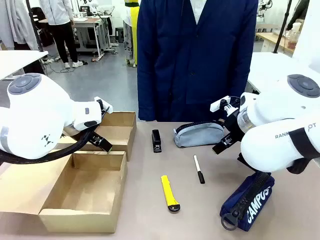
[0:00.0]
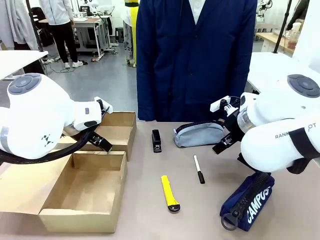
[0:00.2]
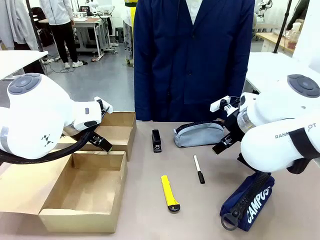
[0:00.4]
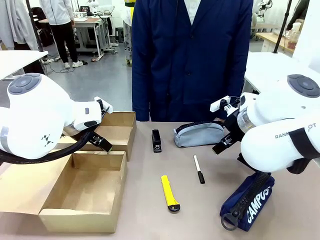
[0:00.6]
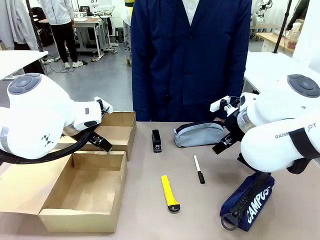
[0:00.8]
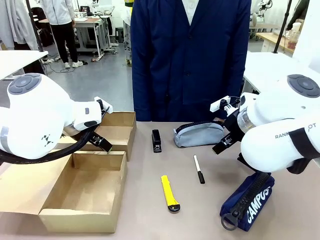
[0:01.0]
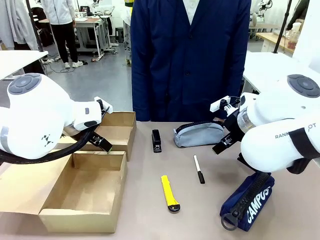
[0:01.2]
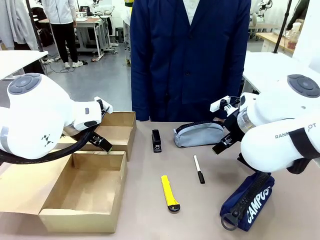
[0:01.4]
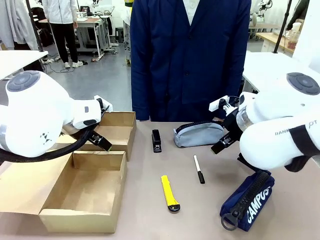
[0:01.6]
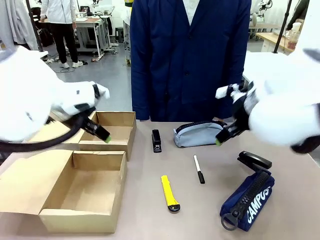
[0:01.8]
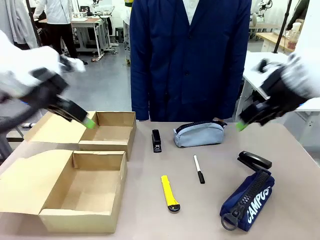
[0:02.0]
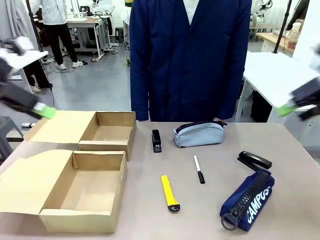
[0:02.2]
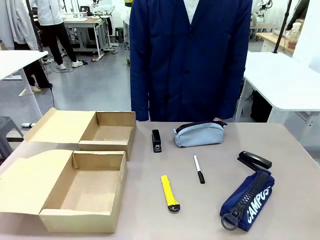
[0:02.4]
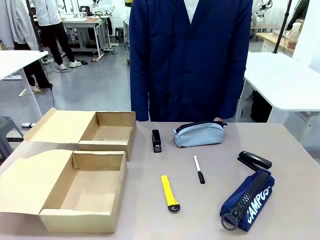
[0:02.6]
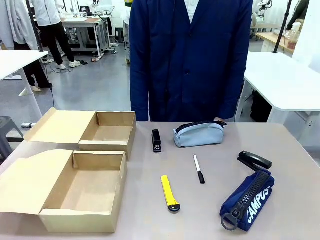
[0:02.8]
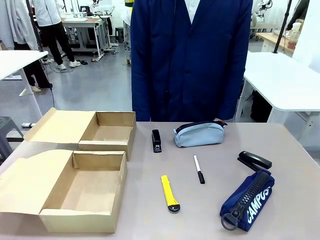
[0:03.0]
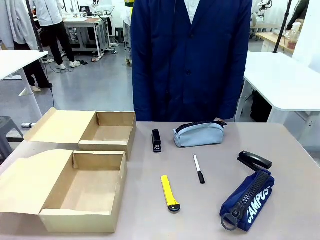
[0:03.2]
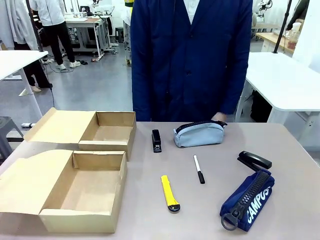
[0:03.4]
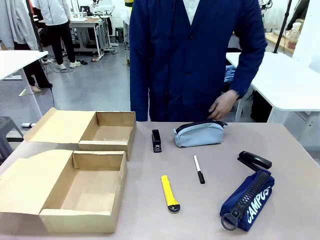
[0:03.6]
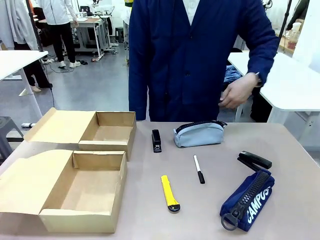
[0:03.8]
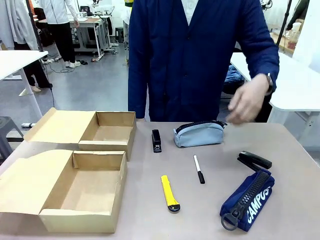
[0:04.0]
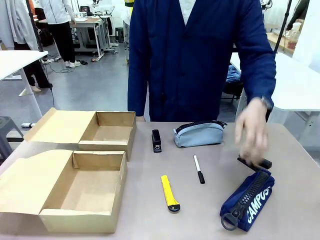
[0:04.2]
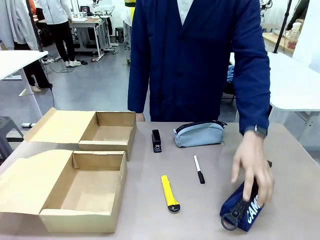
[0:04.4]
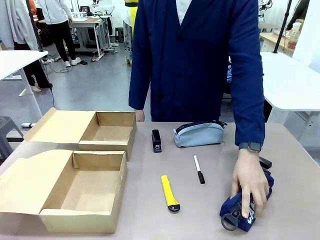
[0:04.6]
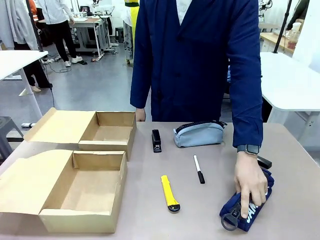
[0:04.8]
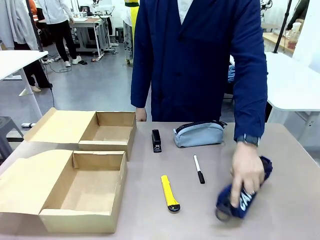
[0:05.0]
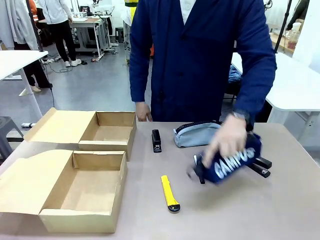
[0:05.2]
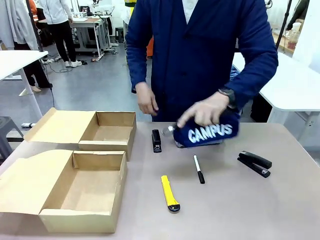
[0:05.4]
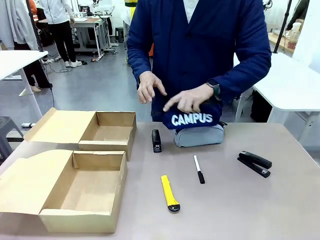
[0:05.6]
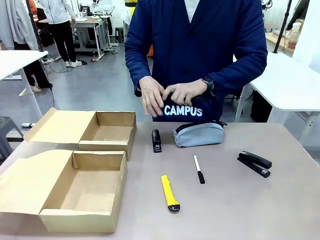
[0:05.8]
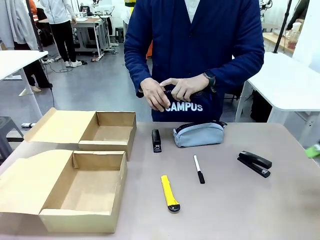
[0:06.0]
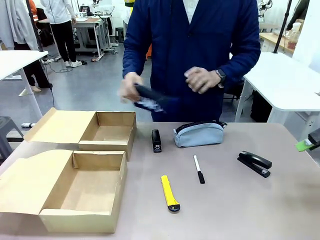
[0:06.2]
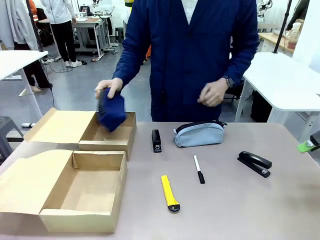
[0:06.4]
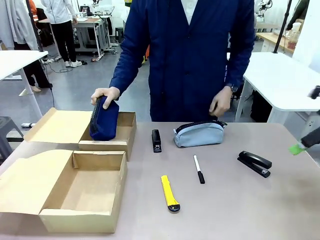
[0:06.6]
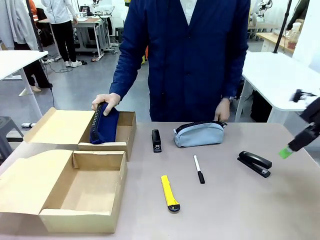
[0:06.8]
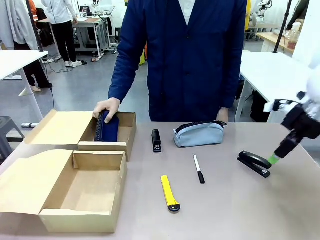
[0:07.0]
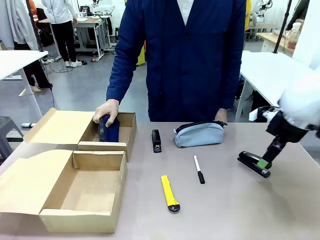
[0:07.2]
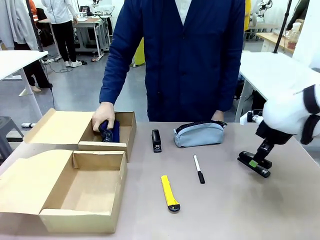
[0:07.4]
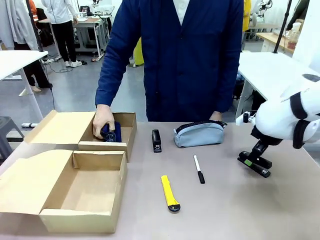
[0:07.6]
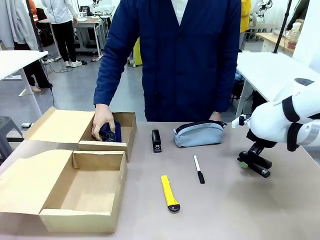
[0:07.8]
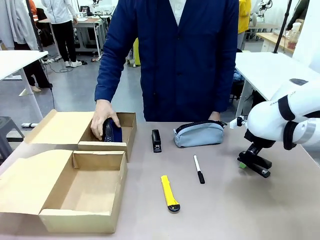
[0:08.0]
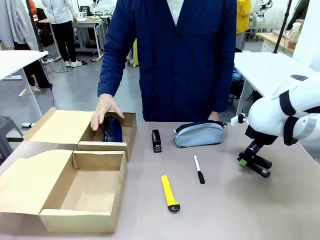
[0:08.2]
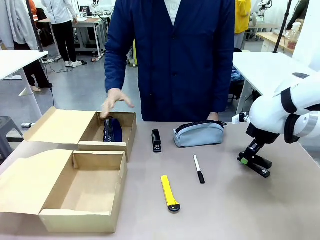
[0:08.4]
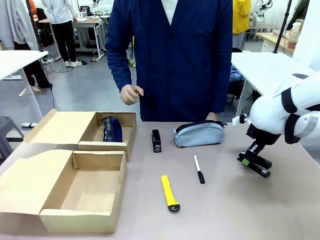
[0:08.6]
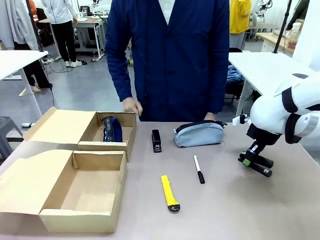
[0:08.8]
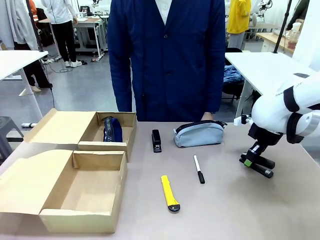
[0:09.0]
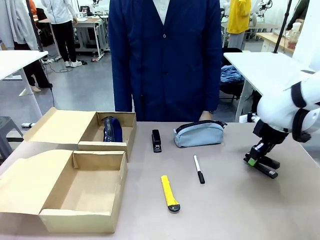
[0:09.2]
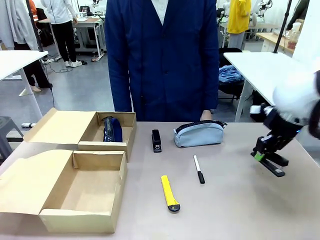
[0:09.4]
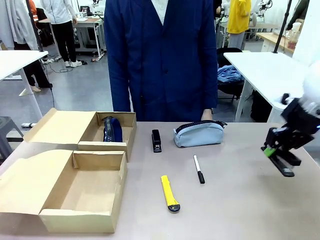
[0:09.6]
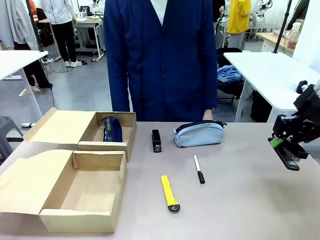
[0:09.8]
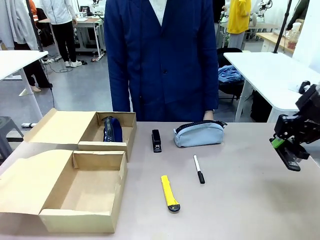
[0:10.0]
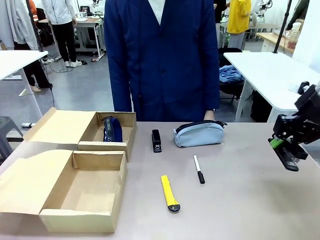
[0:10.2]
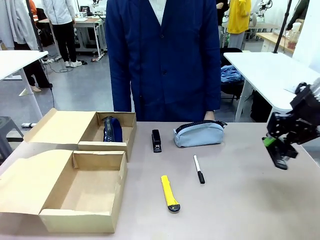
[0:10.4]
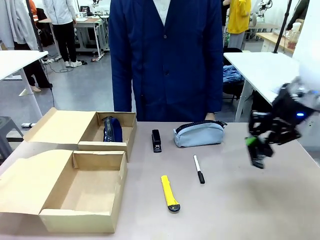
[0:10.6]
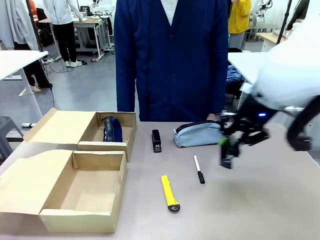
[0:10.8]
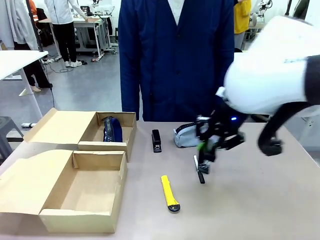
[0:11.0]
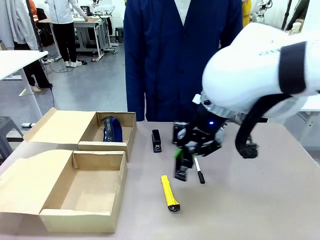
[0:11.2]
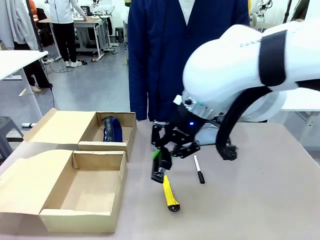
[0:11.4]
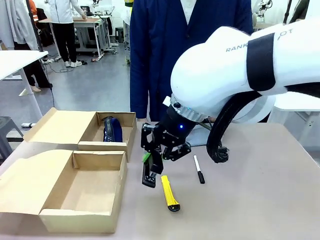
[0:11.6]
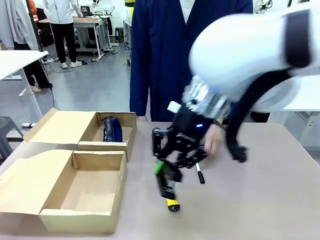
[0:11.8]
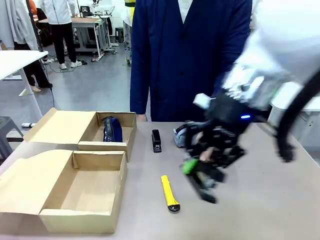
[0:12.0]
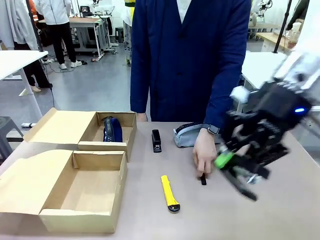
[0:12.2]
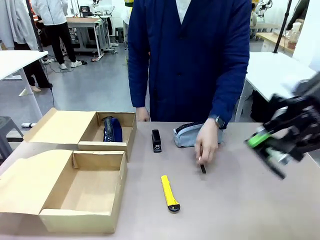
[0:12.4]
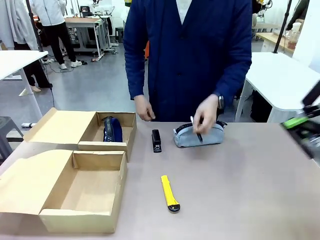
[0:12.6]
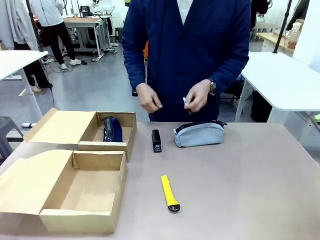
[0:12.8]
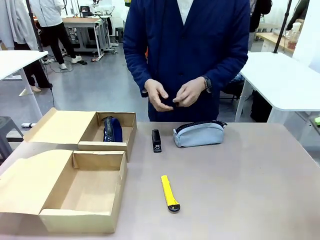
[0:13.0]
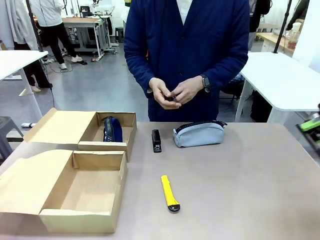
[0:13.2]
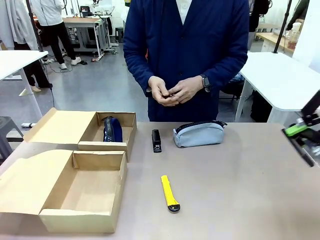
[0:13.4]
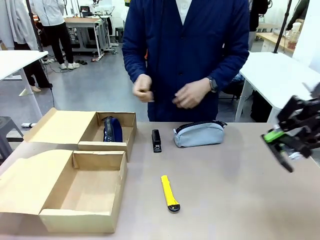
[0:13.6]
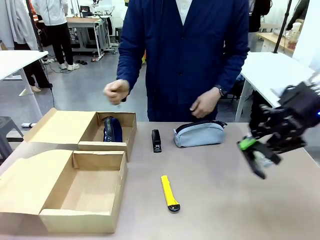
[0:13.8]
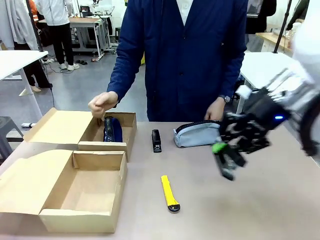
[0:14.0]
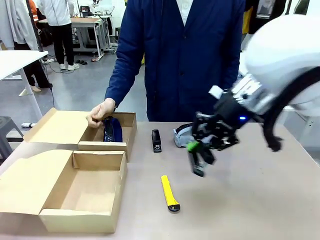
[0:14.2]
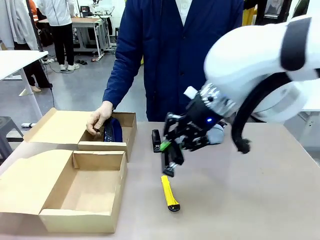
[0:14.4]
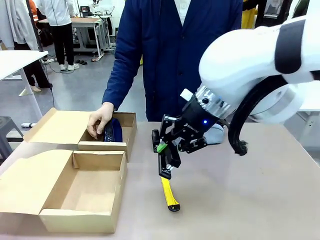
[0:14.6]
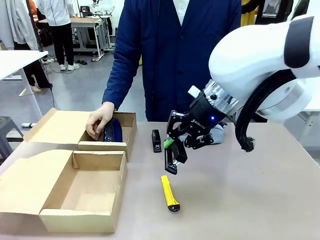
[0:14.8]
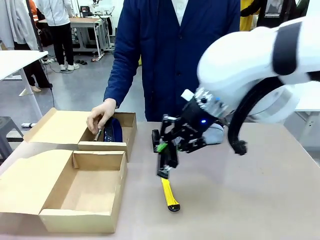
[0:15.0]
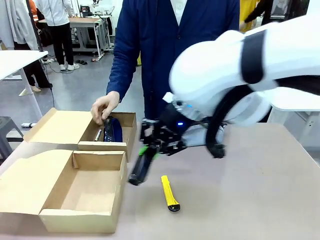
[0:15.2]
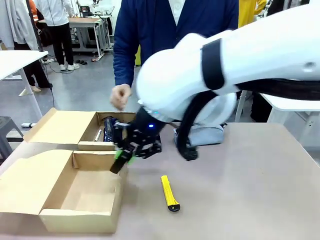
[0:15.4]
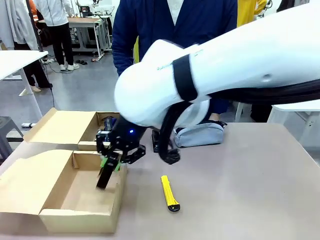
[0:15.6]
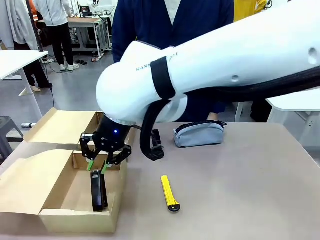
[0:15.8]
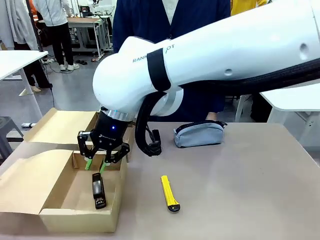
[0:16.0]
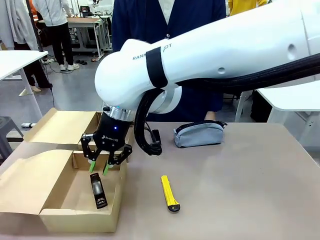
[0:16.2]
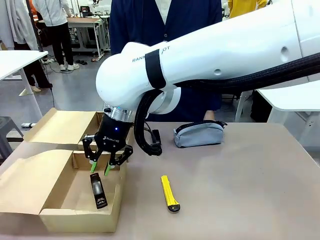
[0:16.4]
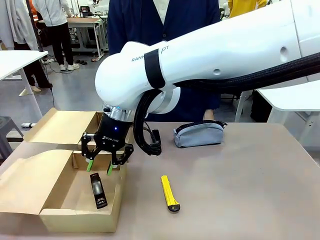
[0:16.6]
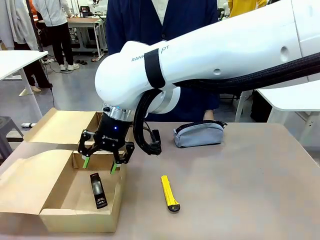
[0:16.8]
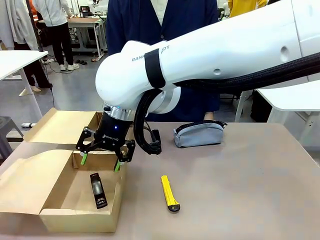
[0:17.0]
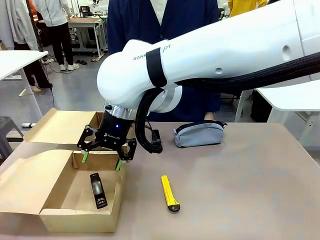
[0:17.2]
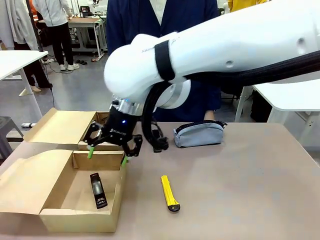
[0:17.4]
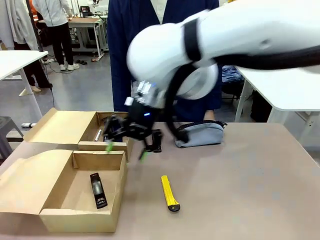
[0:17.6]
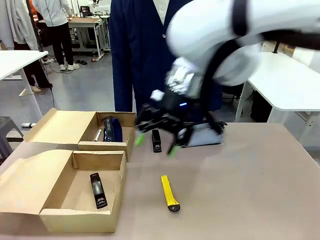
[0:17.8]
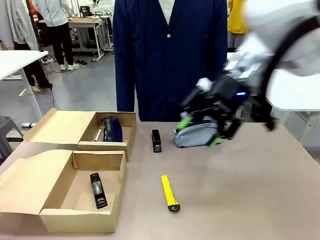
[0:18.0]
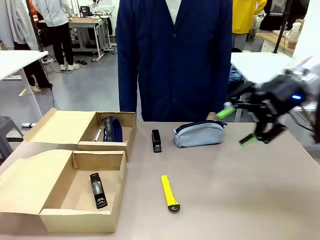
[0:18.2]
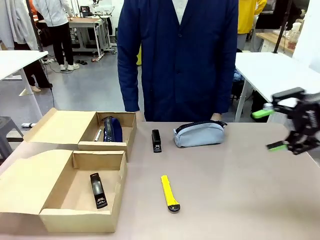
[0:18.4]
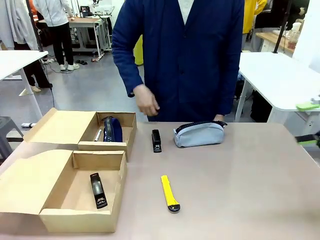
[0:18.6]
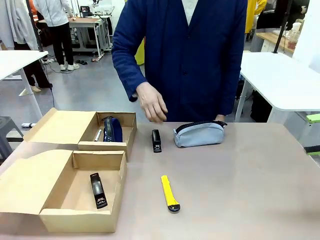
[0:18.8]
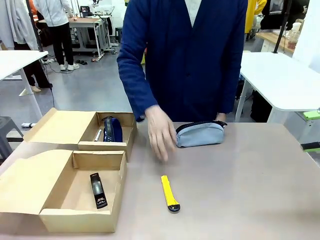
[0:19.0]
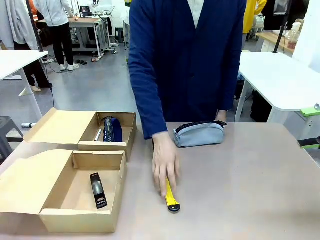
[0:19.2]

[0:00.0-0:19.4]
Task: Place items inside the box.
Robot: Pick up a Pencil pouch or Stapler and place it inside the Mailer Box closest to the robot.
Person: Pick up an object on the table and put it in the box.
